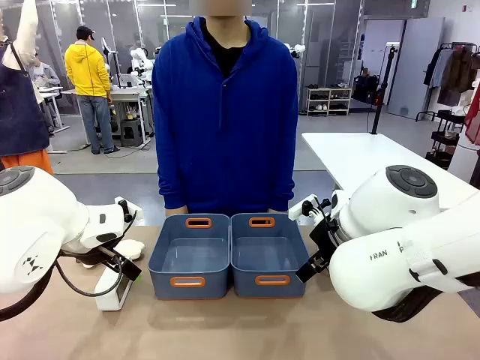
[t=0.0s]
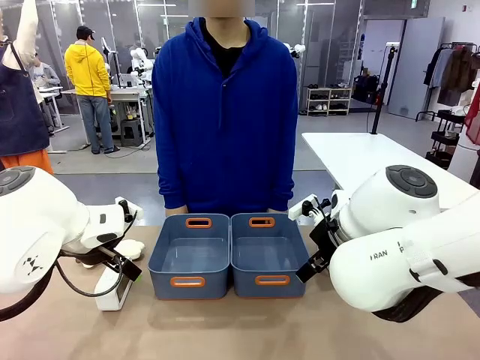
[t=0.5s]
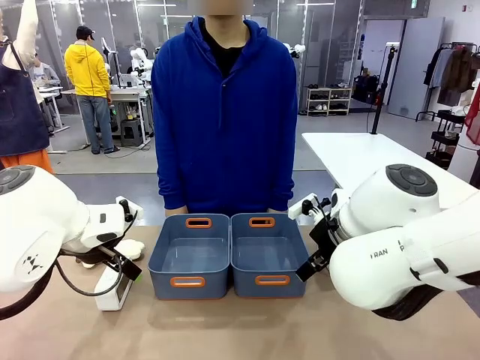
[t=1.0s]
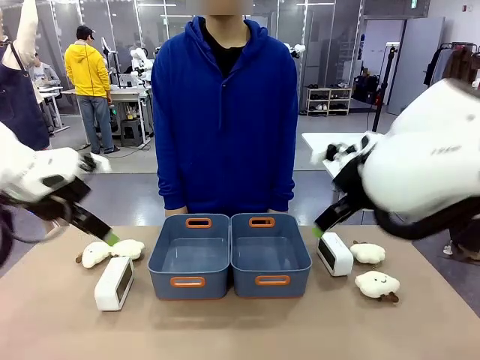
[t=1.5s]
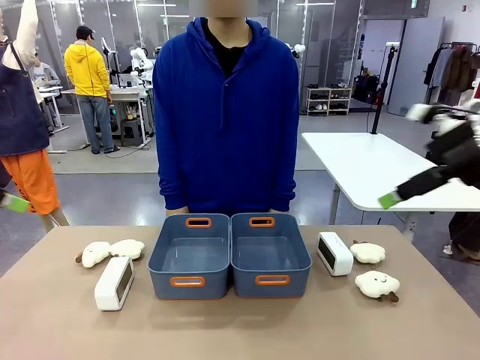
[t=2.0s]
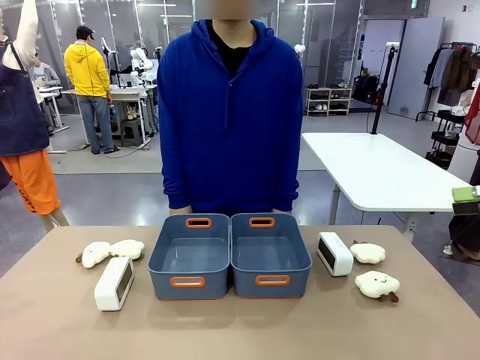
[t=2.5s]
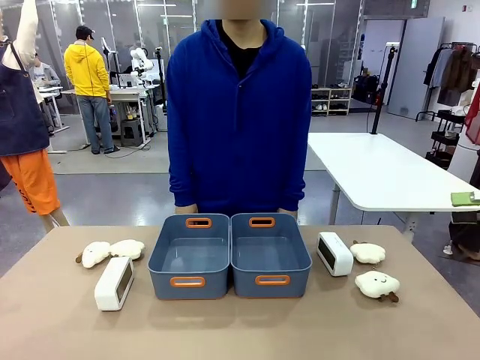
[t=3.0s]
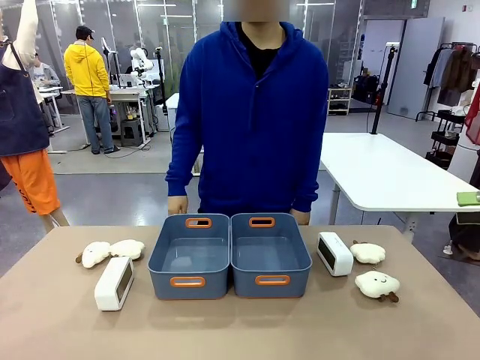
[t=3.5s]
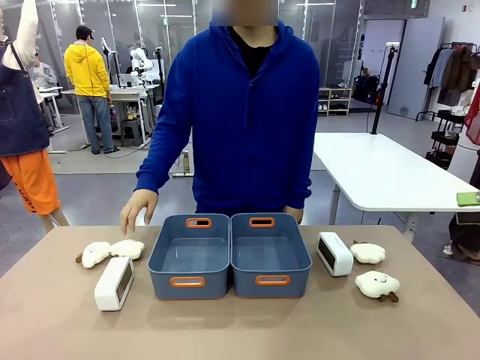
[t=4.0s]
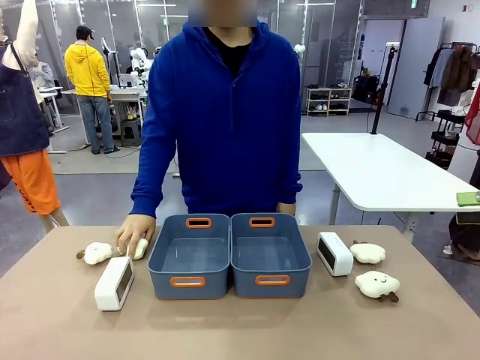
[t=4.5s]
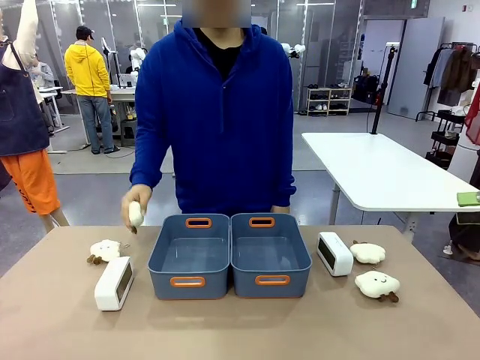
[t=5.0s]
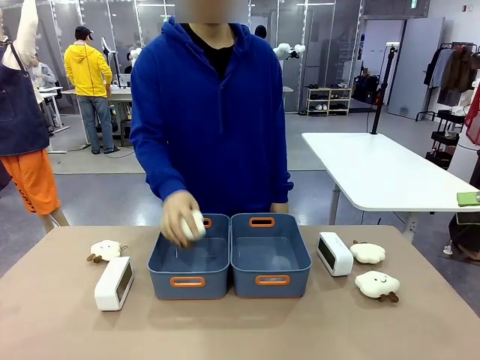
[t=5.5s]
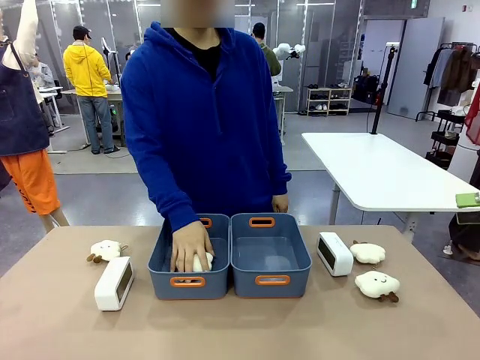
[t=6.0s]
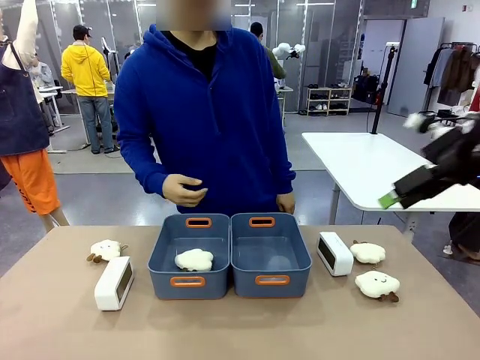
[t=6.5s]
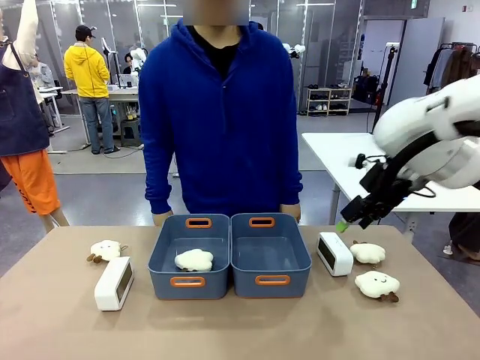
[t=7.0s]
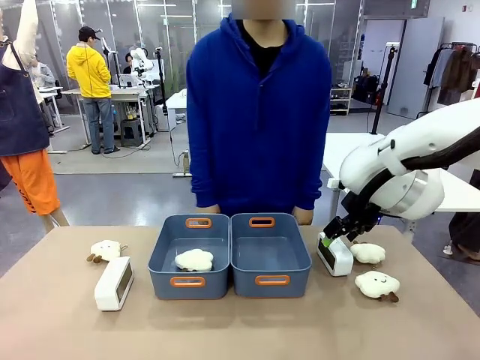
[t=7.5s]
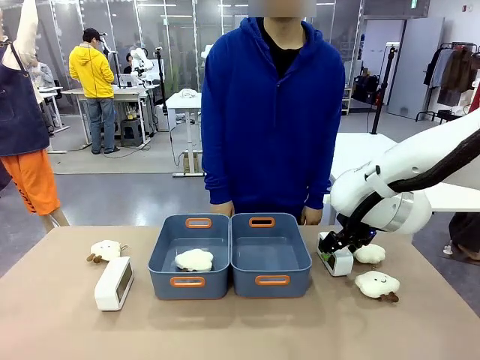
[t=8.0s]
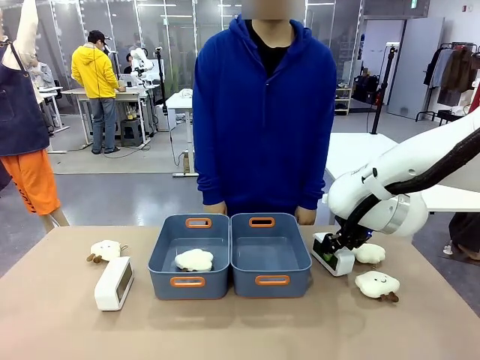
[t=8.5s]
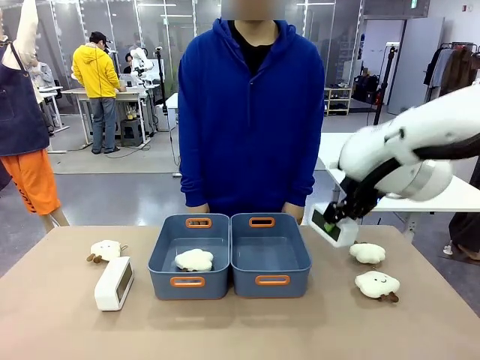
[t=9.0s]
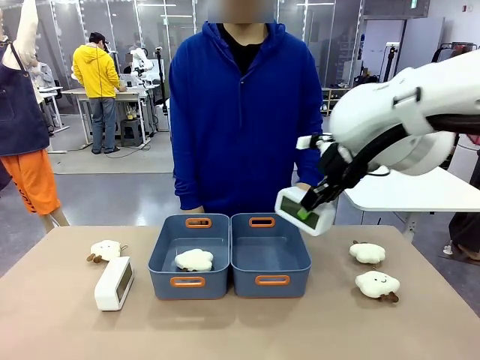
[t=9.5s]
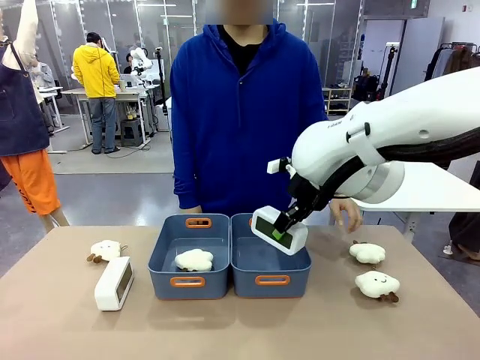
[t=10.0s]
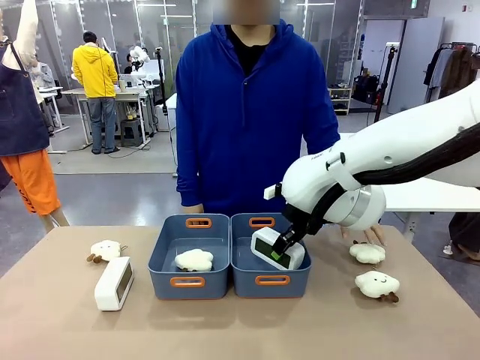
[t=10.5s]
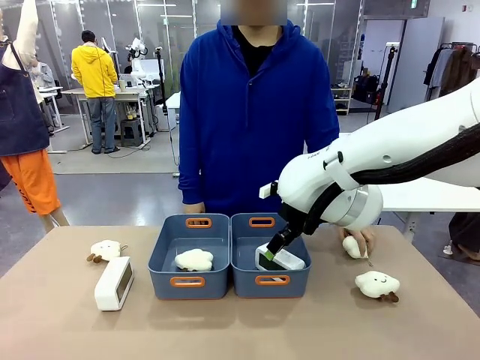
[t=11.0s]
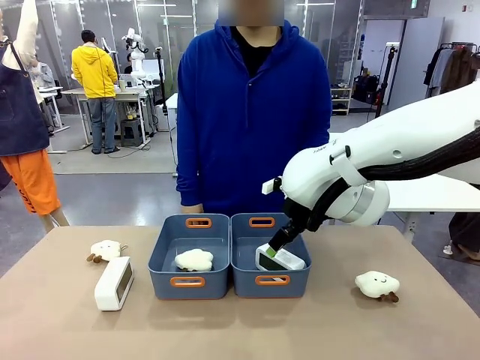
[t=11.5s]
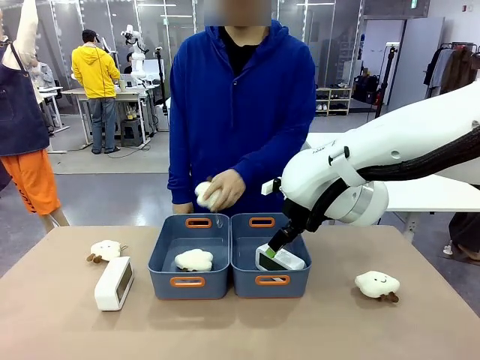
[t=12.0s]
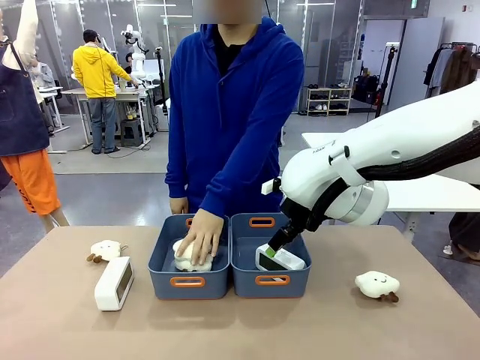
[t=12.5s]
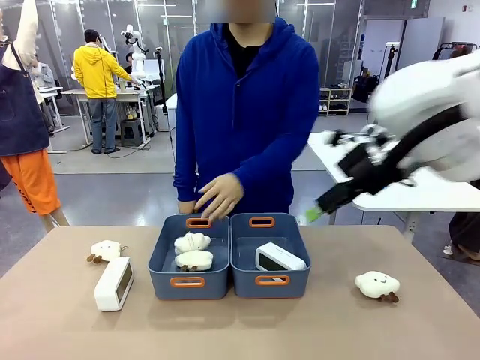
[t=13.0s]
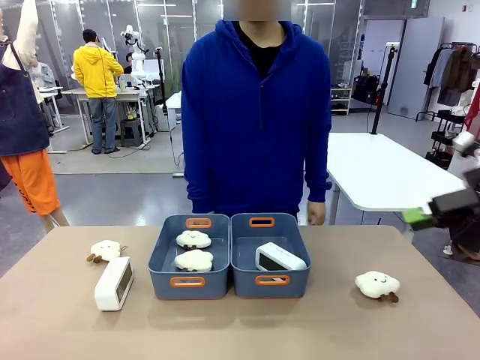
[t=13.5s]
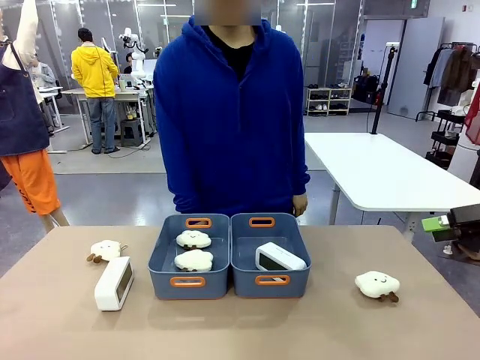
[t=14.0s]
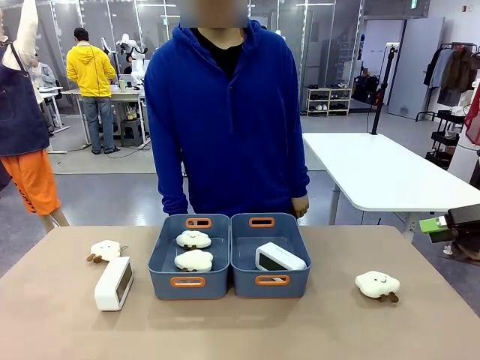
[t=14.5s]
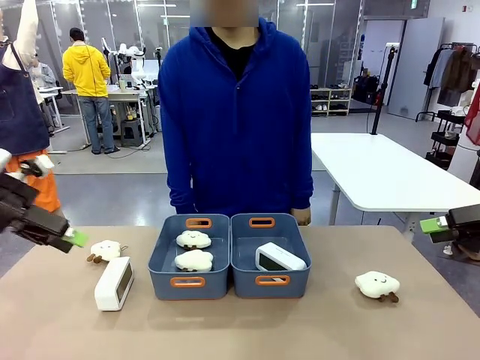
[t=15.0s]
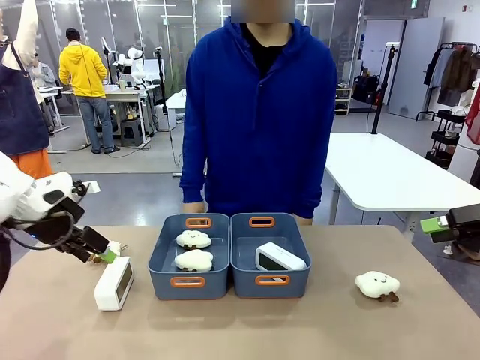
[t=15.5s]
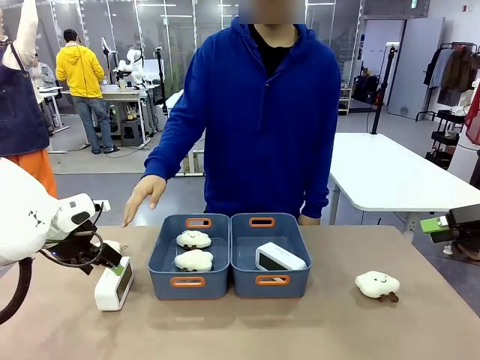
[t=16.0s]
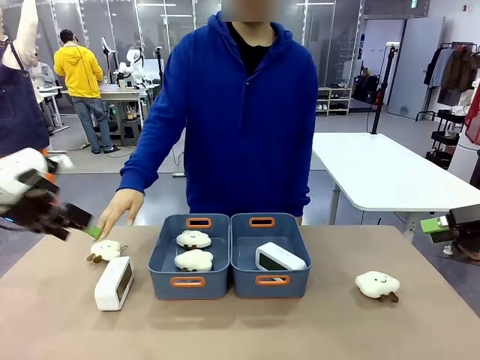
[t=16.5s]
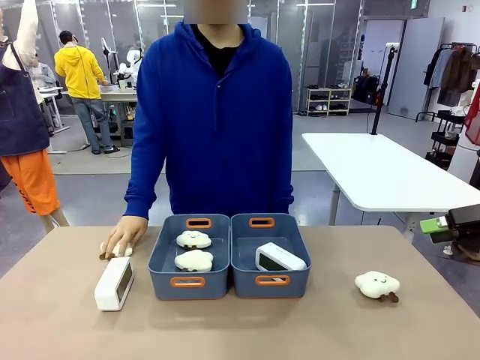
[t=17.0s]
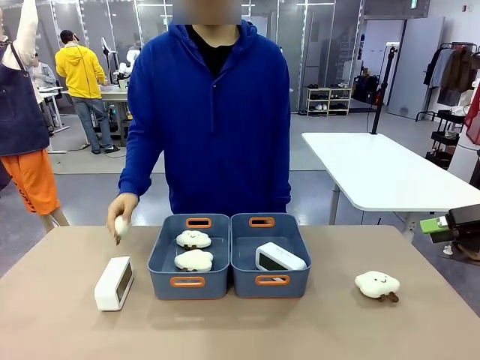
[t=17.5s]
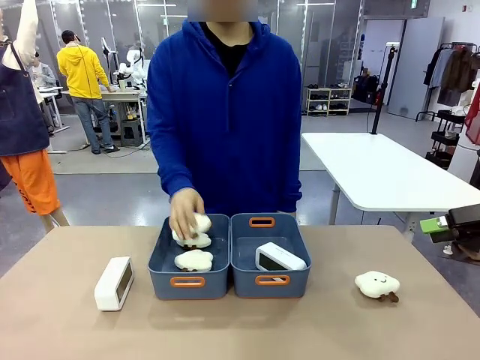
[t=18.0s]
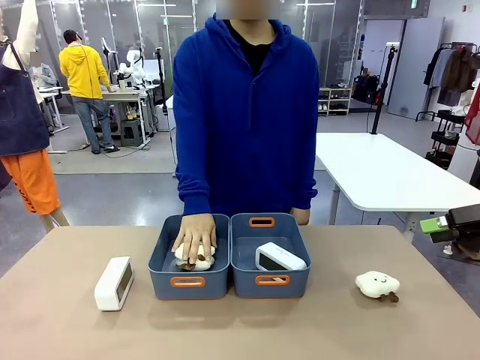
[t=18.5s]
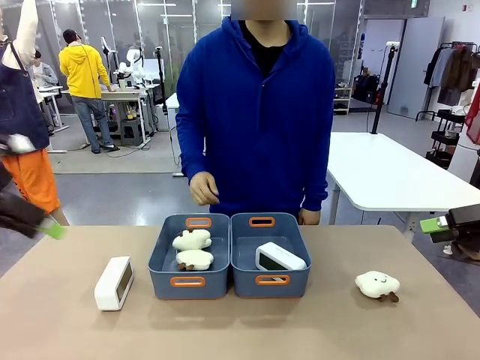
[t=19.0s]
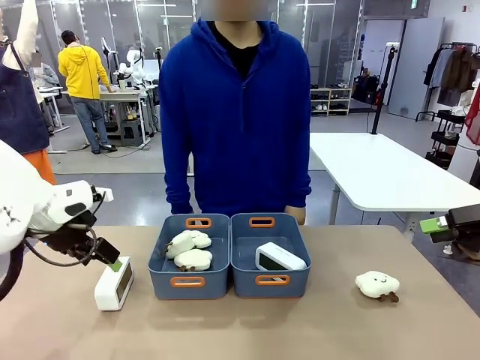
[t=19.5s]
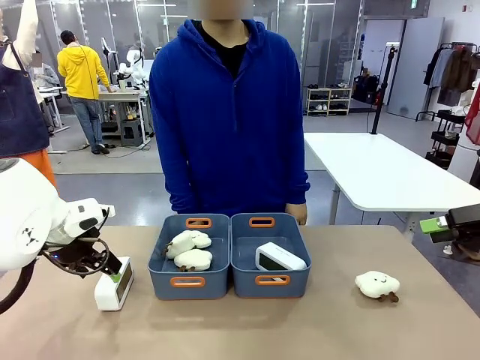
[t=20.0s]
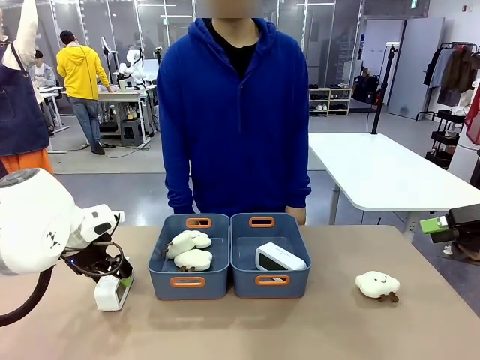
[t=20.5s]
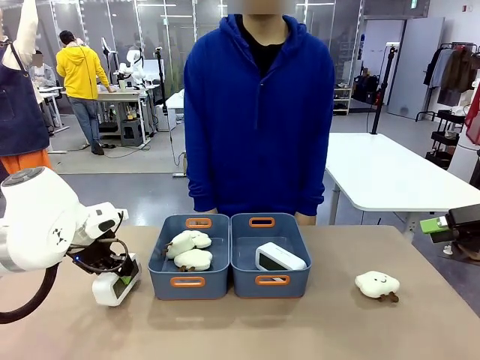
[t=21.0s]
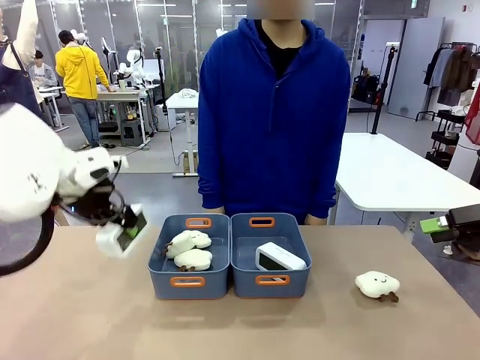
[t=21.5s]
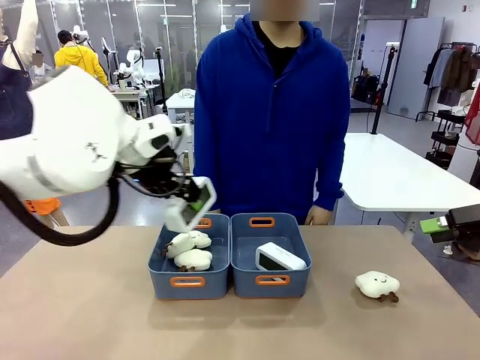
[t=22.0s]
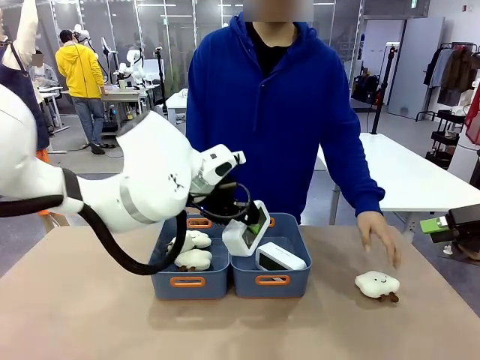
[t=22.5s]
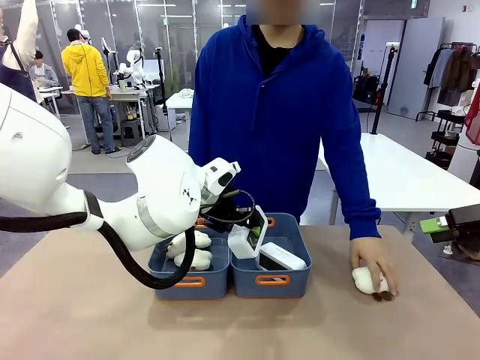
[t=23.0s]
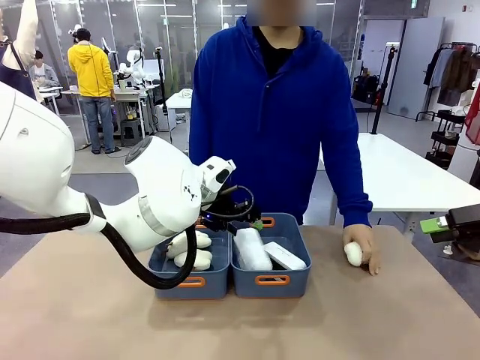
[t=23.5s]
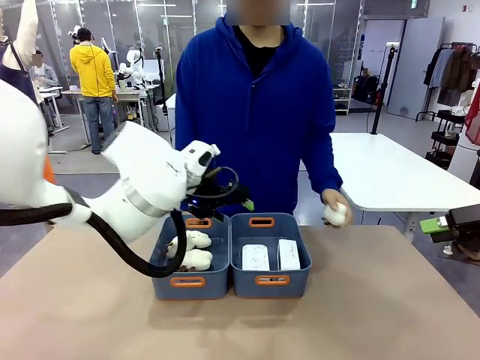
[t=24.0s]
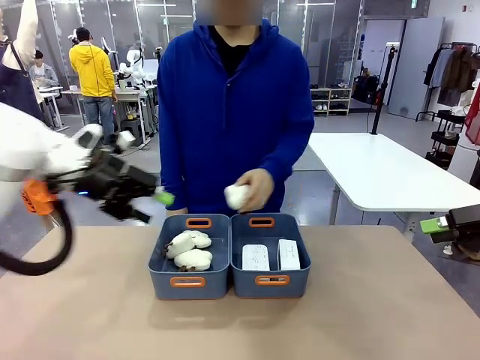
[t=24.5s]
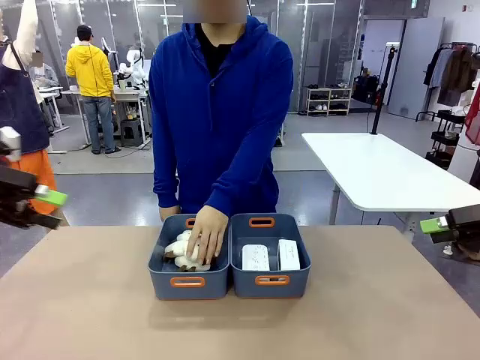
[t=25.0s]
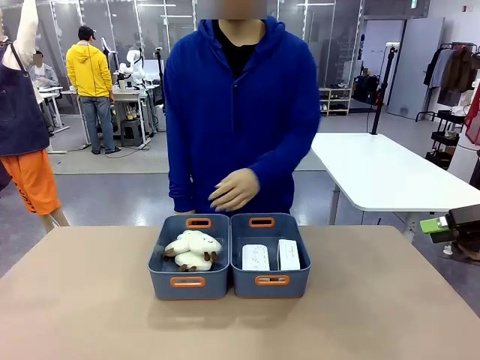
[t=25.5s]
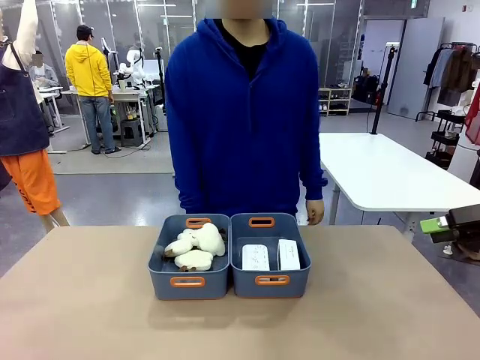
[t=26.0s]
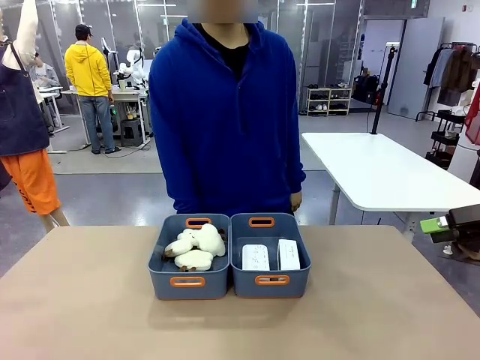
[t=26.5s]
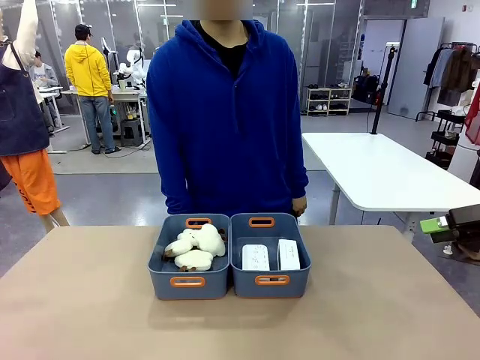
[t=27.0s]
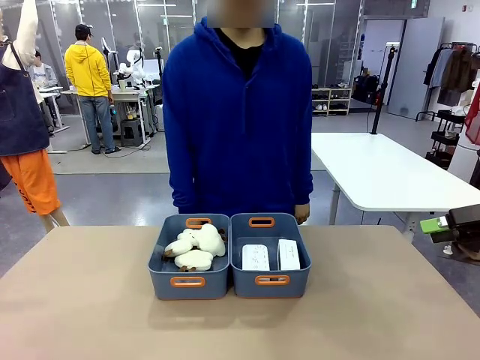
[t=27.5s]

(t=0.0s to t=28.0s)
Task: Sort the digital clocks into the basket.
Robot: Pick up the Digital clock from the table and place it into the empty Plastic storage basket.
Person: Pick up a plush toy from the table and place it in a plastic storage basket. Pick up a plush toy from the table and place it in the plastic storage basket containing the plush toy.
